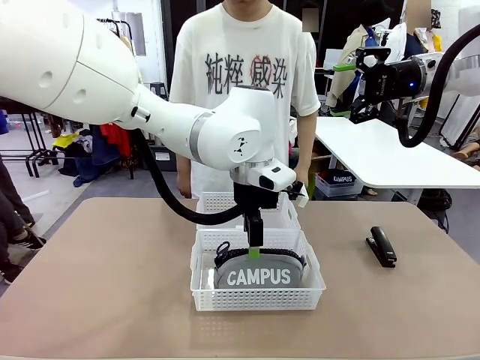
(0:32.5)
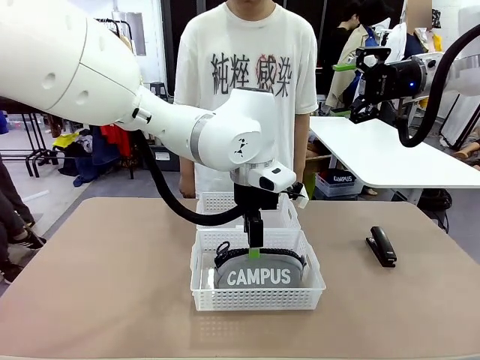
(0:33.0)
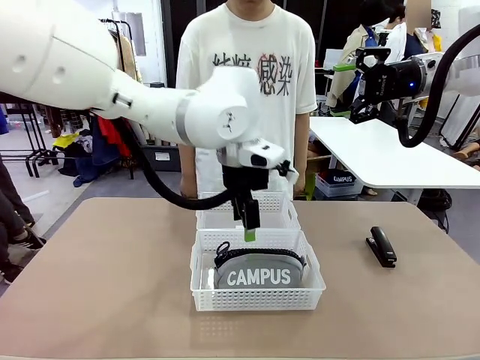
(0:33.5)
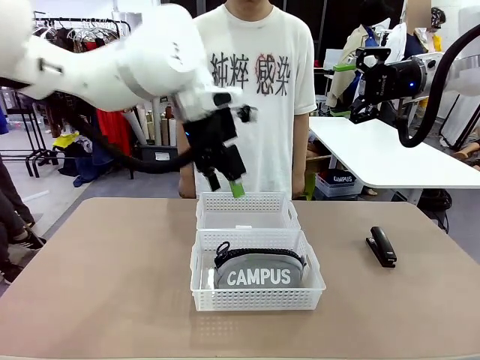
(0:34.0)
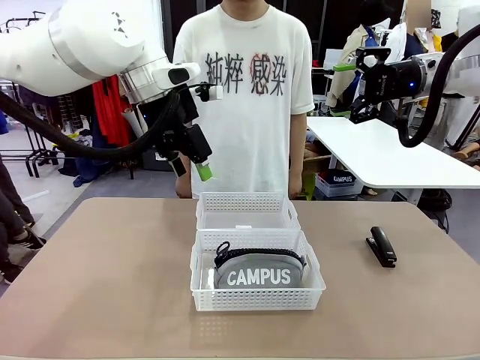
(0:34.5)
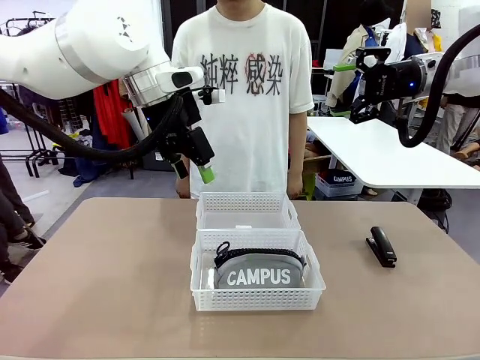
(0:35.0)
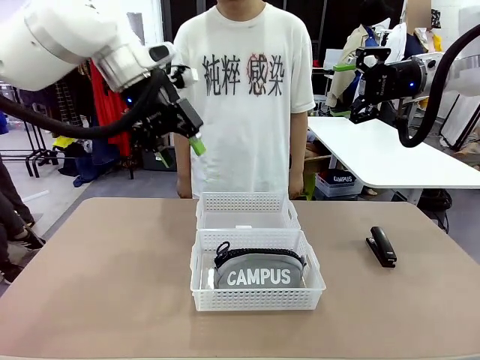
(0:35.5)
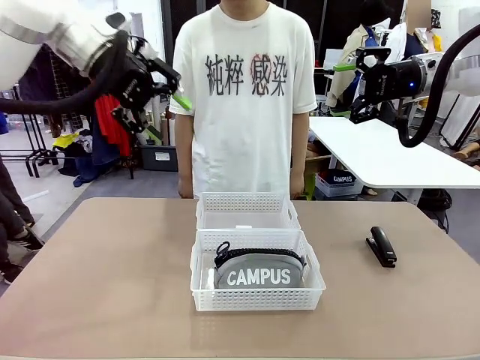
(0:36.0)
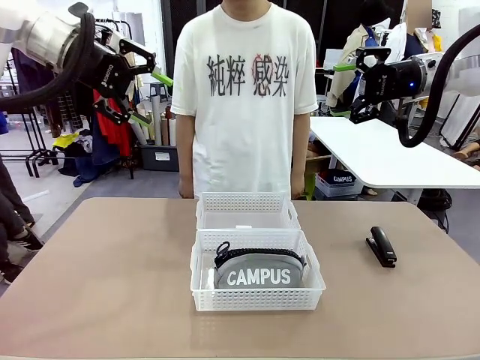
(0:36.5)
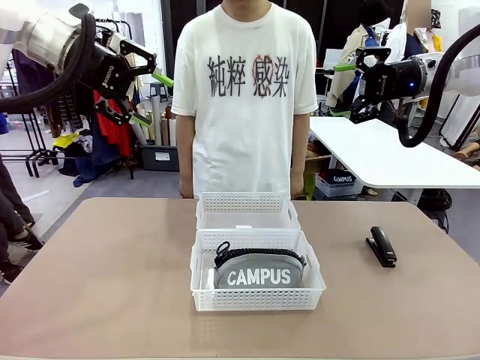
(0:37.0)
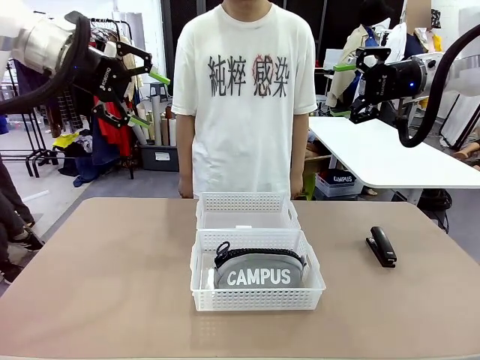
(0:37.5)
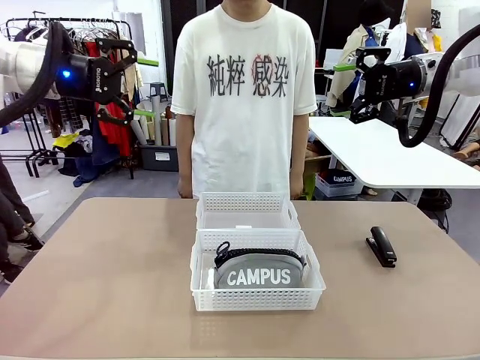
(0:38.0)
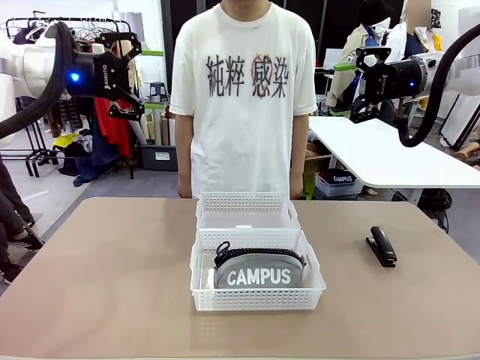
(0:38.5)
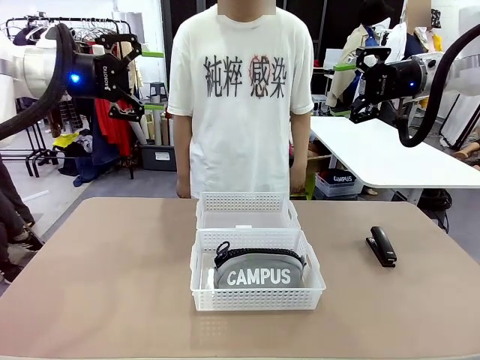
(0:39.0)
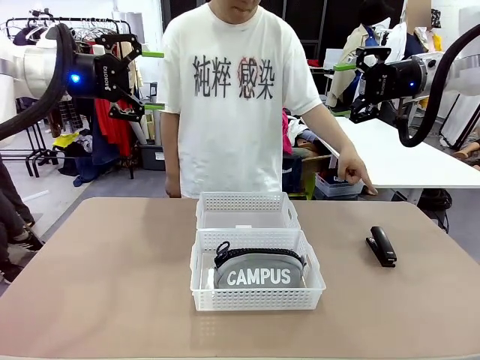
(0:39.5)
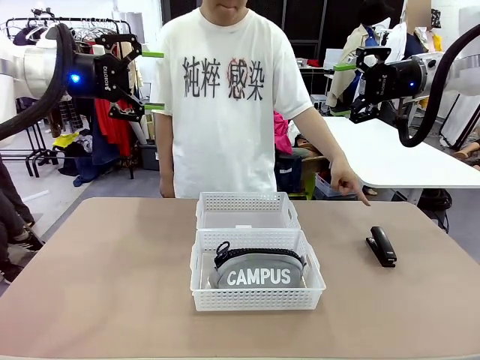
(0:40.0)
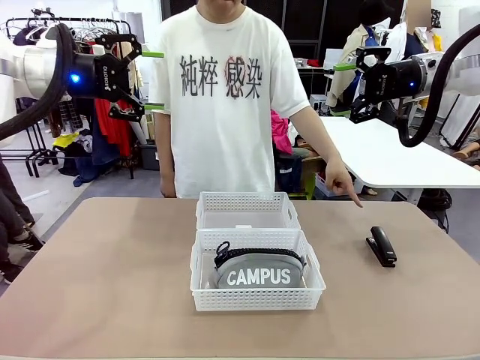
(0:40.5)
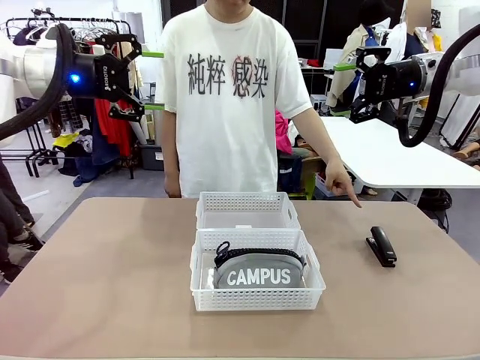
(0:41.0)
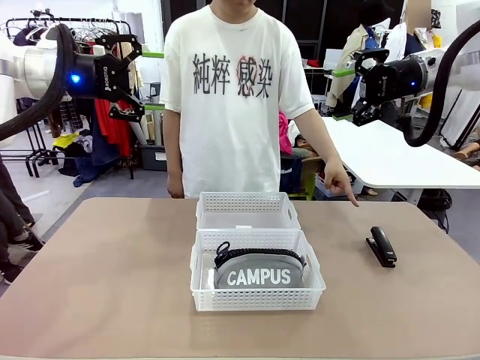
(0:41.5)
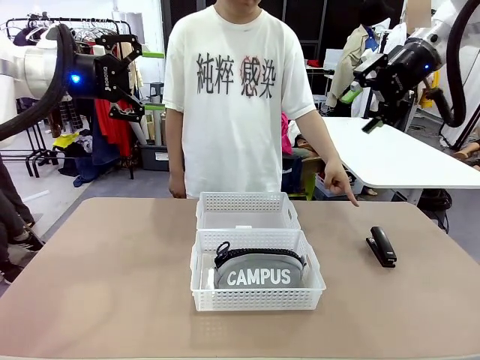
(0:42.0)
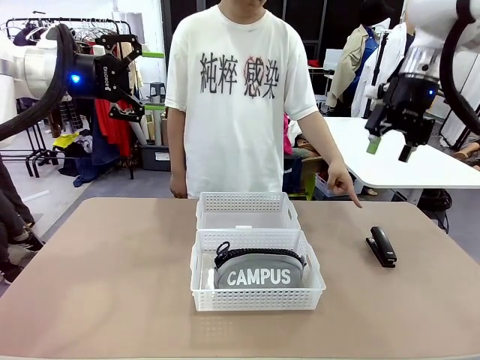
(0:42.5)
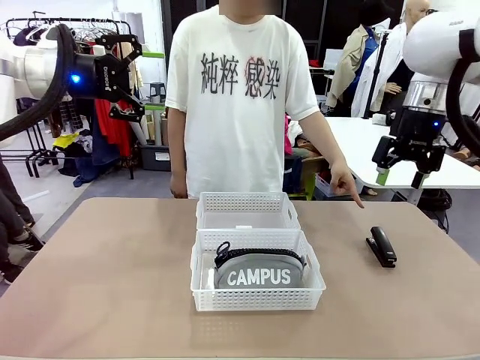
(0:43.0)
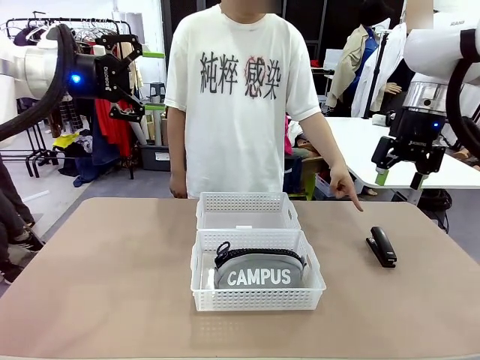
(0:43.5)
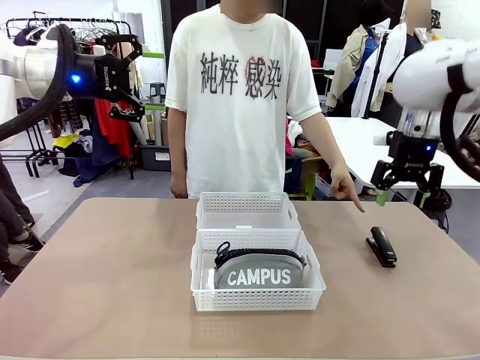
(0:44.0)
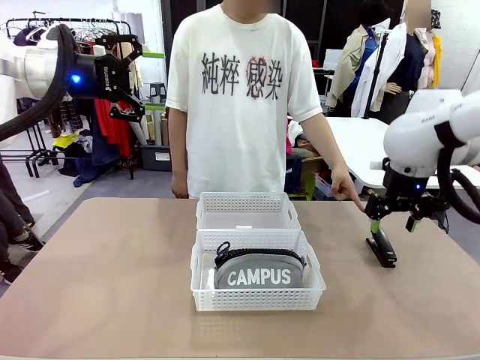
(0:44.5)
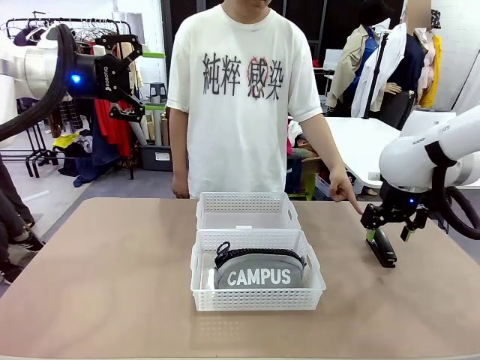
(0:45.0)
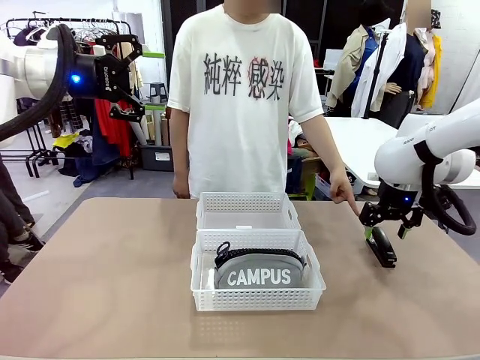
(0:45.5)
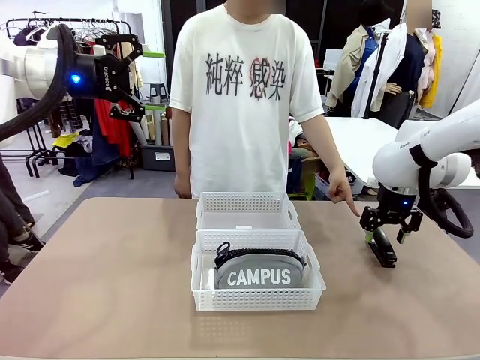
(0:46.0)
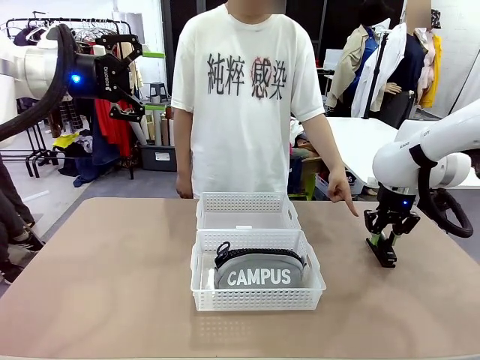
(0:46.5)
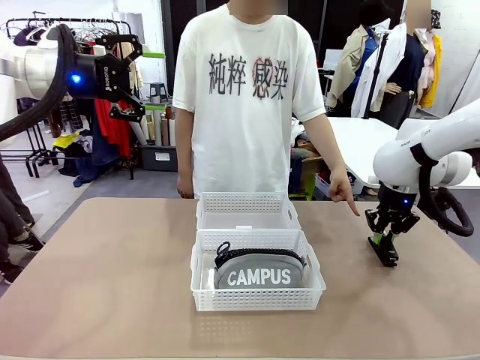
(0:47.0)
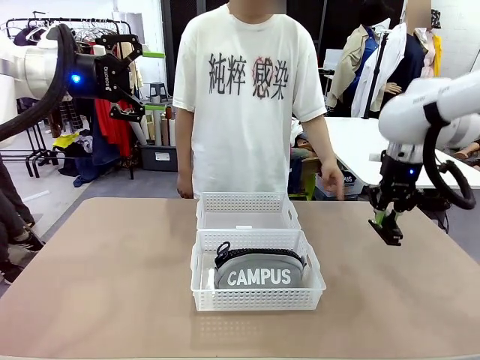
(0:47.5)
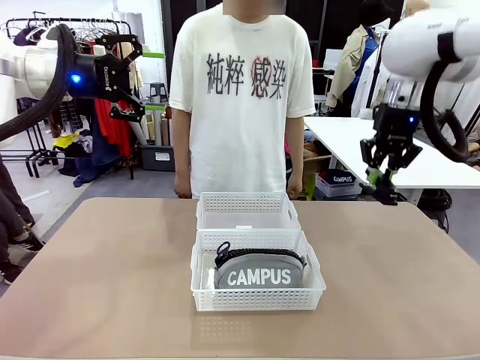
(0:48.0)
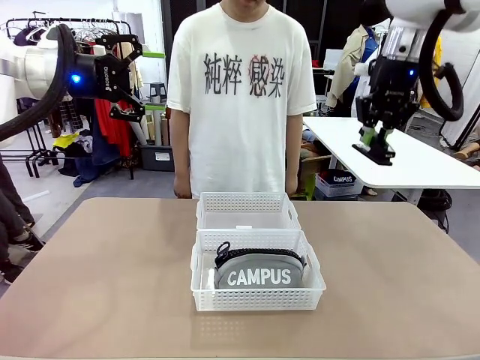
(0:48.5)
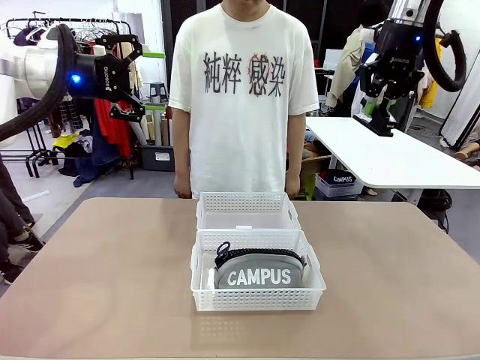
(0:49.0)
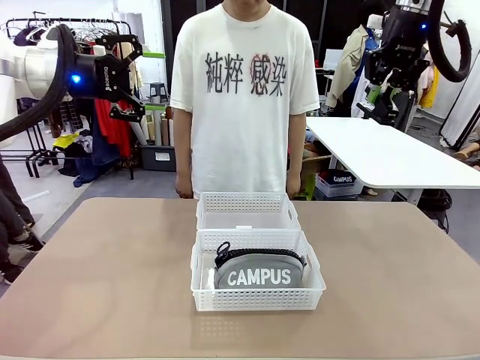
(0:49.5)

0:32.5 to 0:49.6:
Task: Distribute items into two baskets.
Robot: Pick up the Stapler that the person points to.
Person: Points to the stapler.
